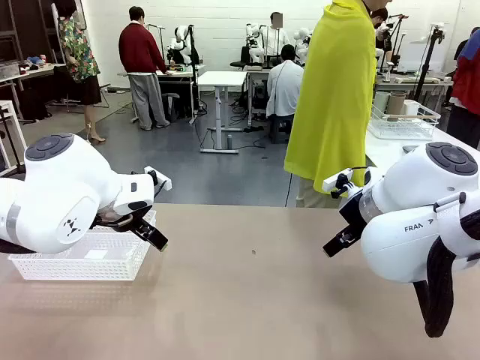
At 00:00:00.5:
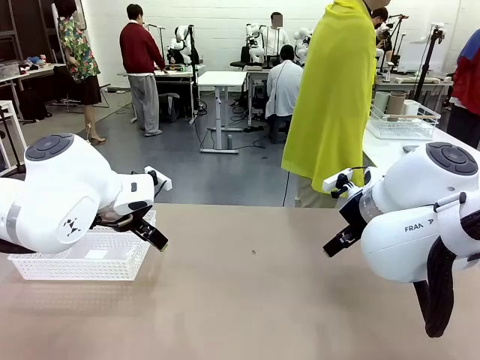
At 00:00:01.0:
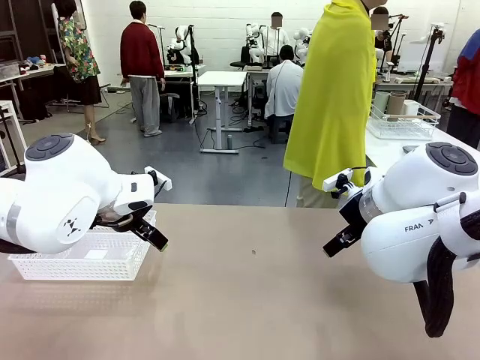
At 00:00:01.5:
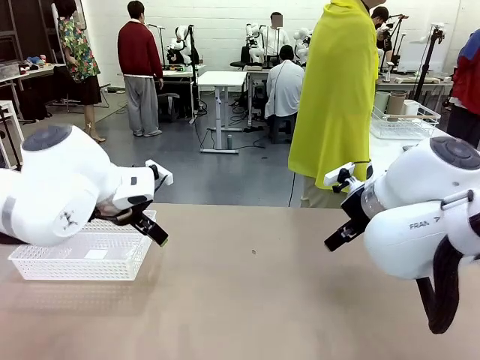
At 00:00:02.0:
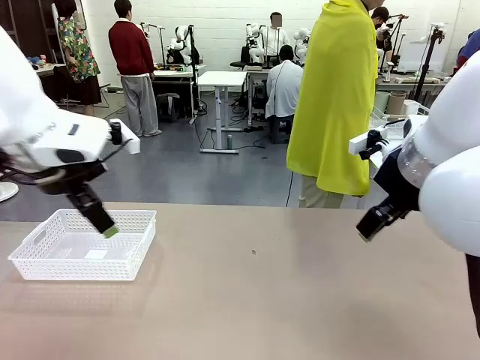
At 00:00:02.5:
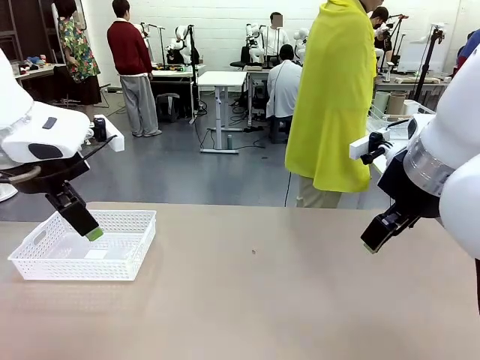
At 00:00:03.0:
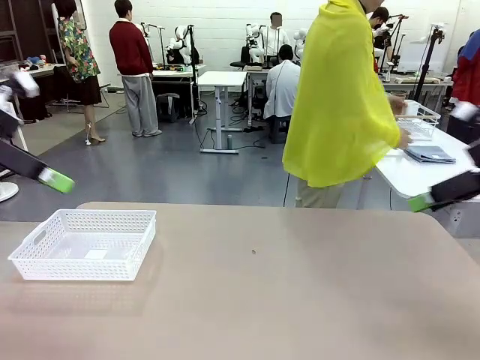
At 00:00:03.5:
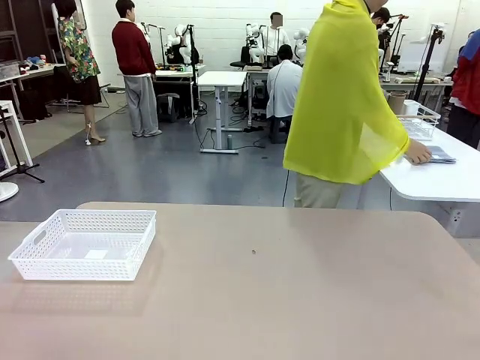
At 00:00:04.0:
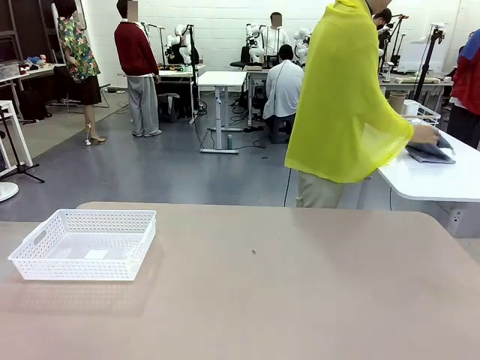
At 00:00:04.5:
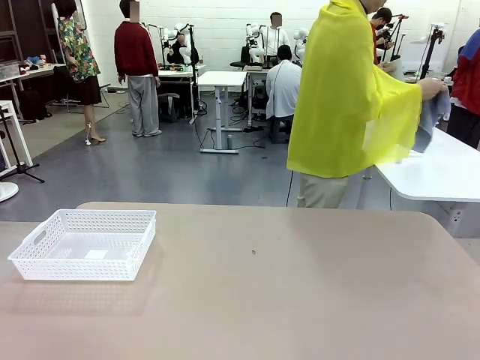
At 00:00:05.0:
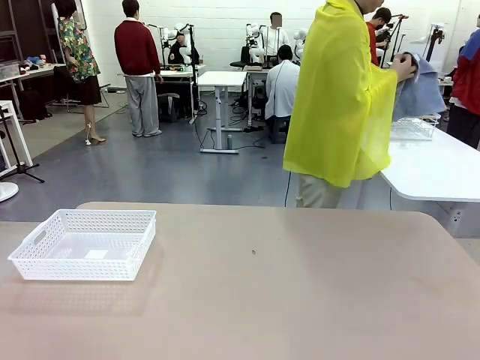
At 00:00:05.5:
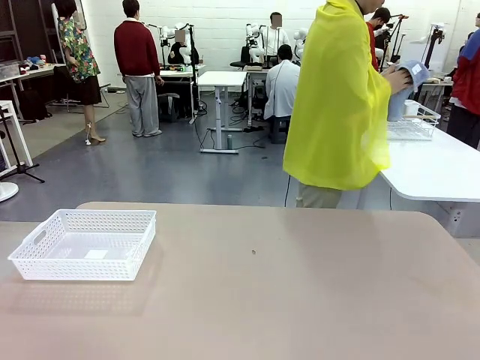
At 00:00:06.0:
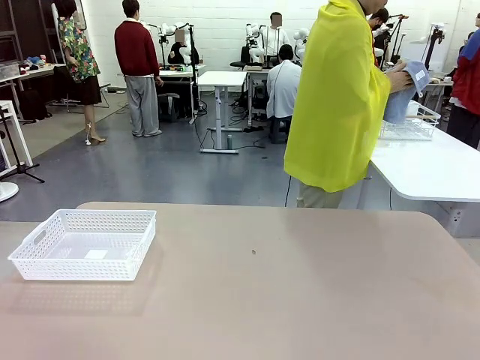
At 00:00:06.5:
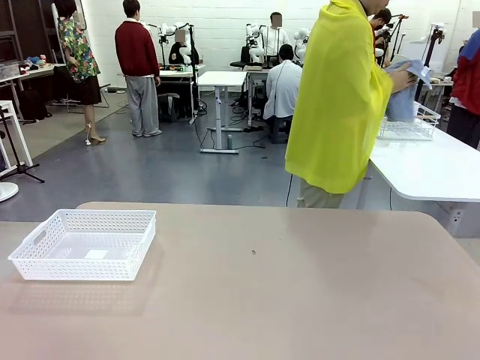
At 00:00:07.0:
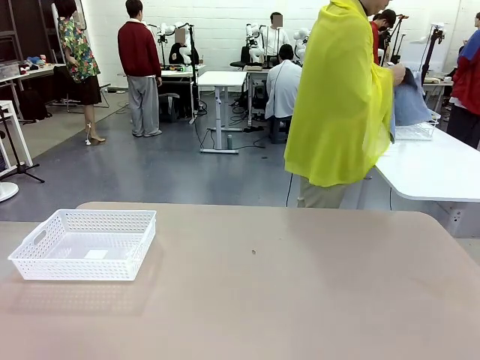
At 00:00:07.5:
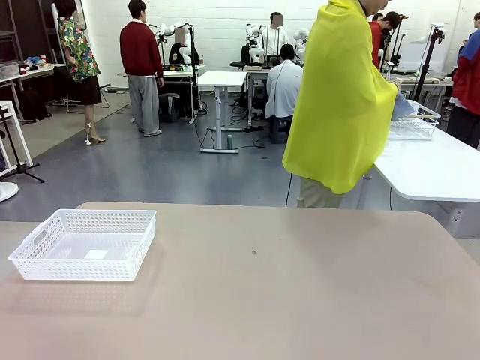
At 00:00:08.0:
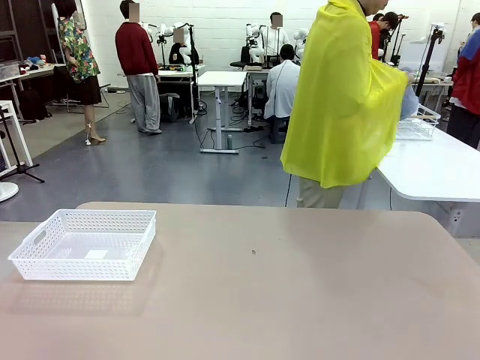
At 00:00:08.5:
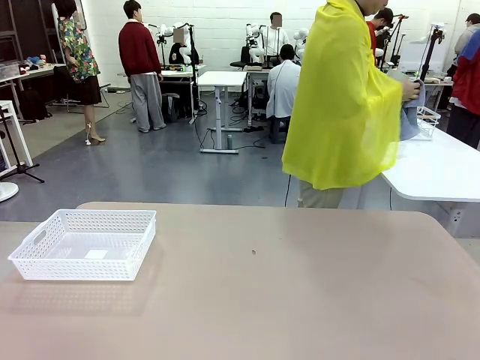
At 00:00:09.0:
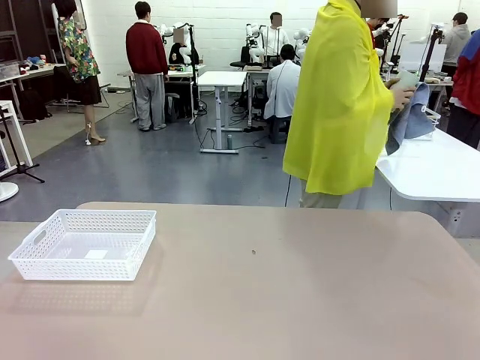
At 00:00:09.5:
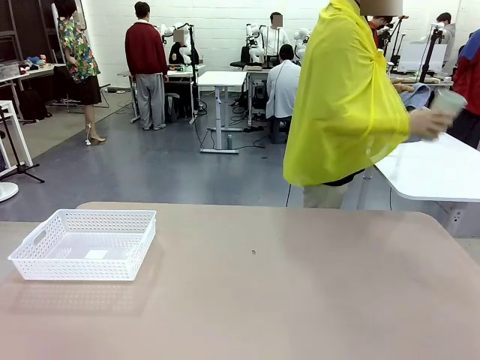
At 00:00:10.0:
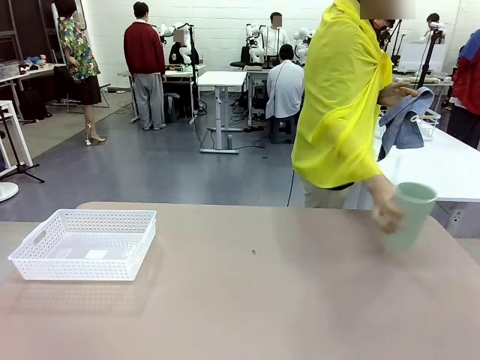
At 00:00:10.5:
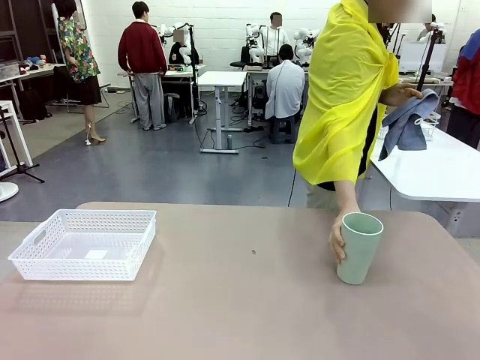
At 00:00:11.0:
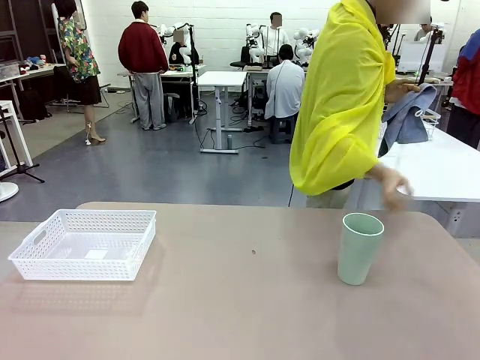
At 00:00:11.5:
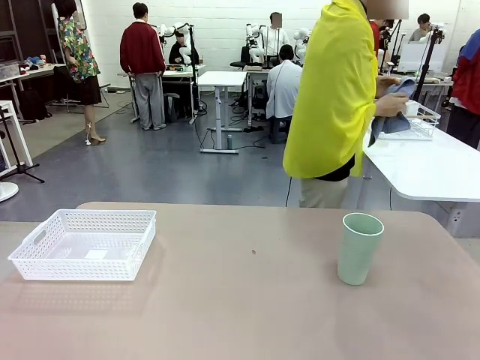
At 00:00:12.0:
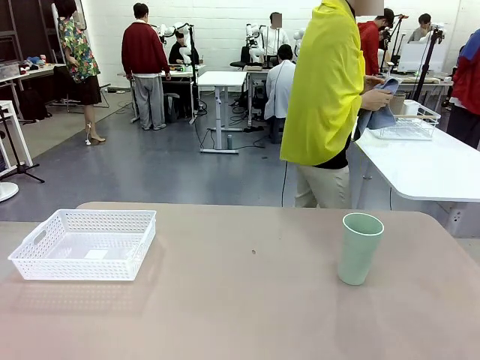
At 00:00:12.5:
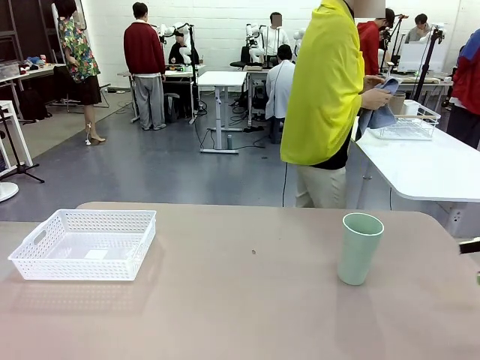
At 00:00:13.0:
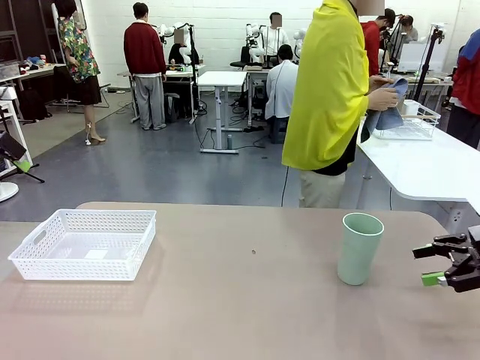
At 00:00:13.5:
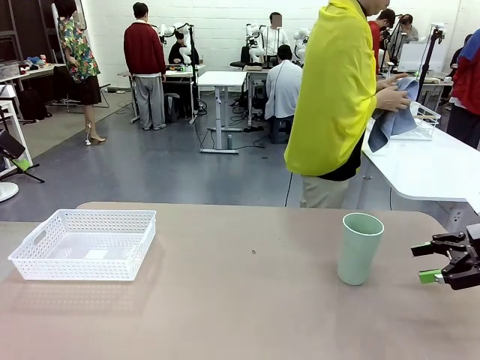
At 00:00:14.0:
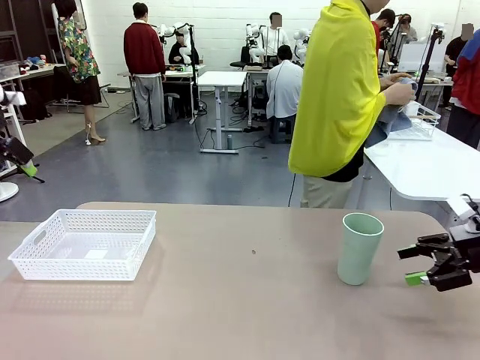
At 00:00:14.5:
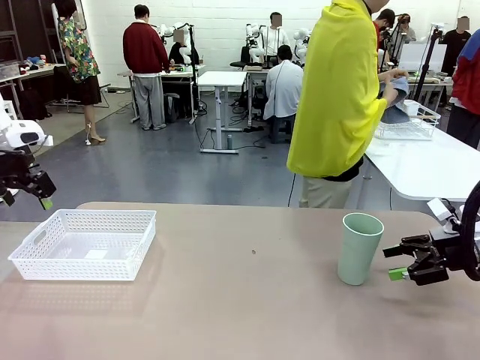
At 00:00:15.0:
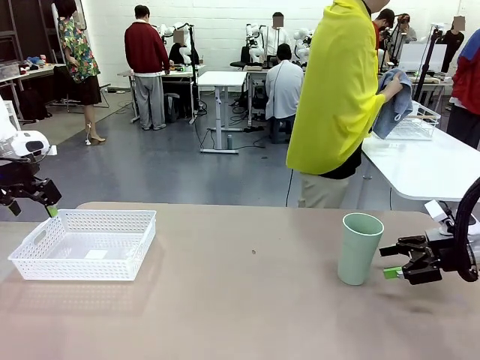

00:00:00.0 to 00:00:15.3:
Task: Clean and organize the cups into the basket.
Robot: Pick up the Organizing basket and move it to the center of the table, then pick up the Reusable plastic cup from the right side of the table and place it inside the Organizing basket.
Person: Picks up a cup and a towel, cleans the cup with the towel, and places it on the left side of the robot table.
